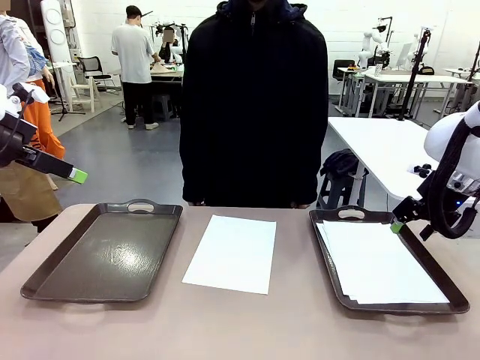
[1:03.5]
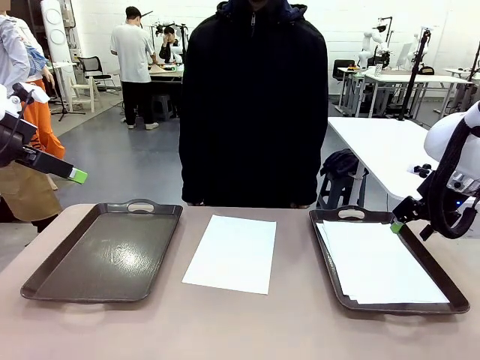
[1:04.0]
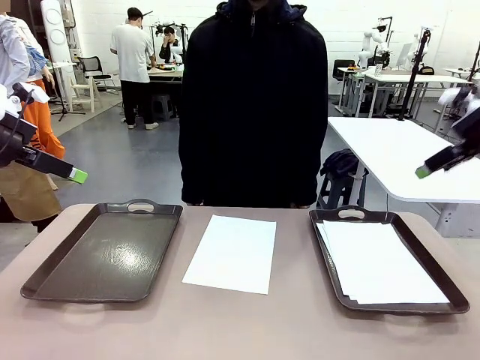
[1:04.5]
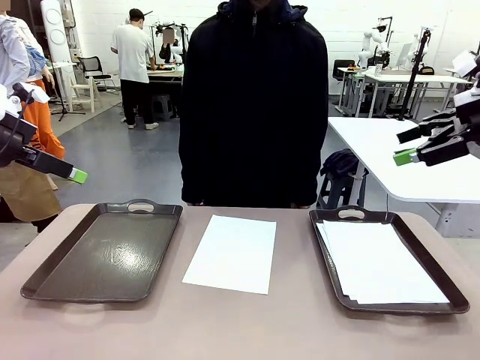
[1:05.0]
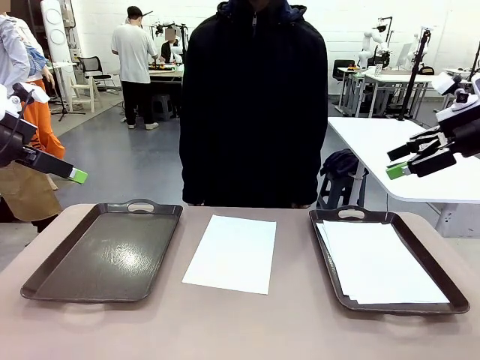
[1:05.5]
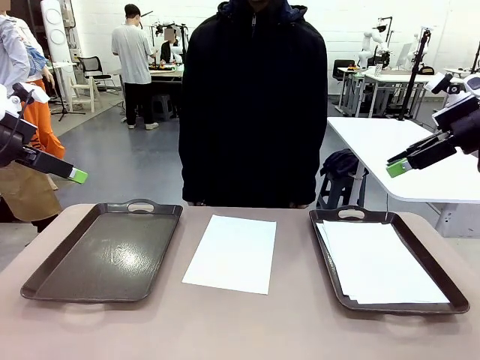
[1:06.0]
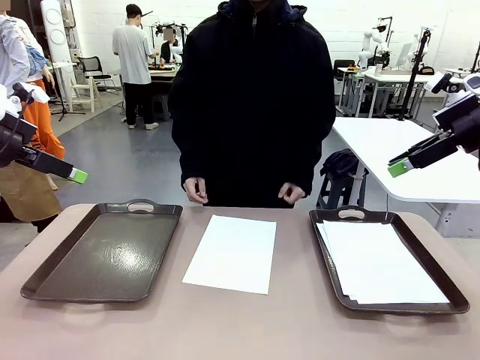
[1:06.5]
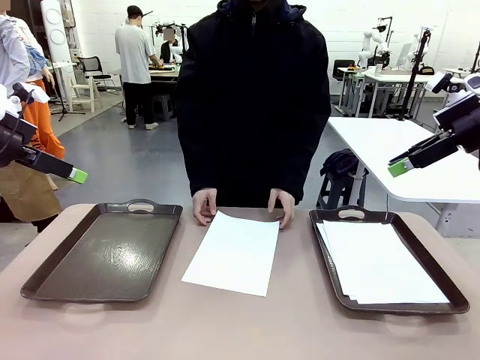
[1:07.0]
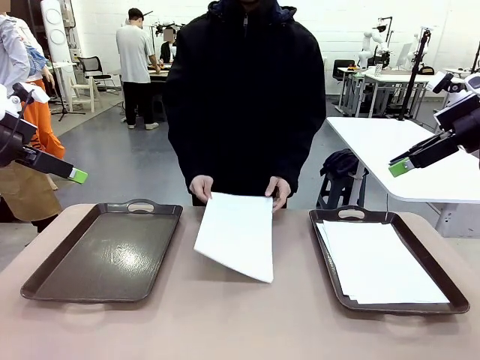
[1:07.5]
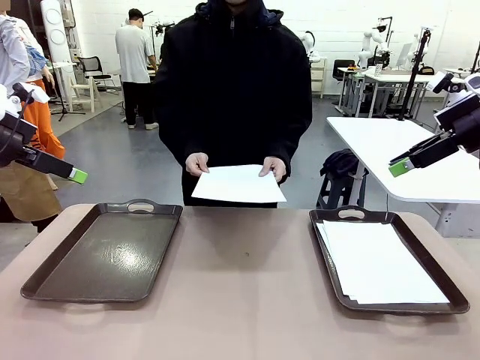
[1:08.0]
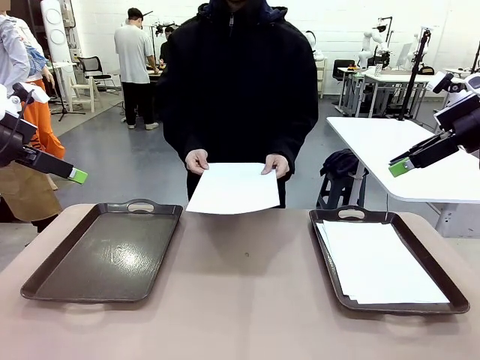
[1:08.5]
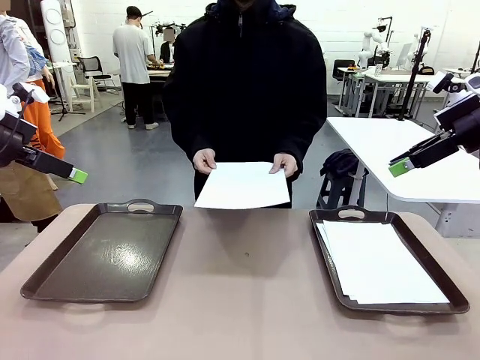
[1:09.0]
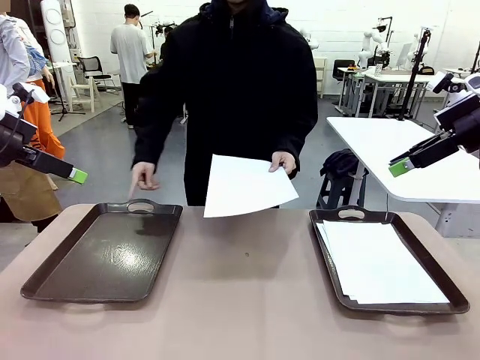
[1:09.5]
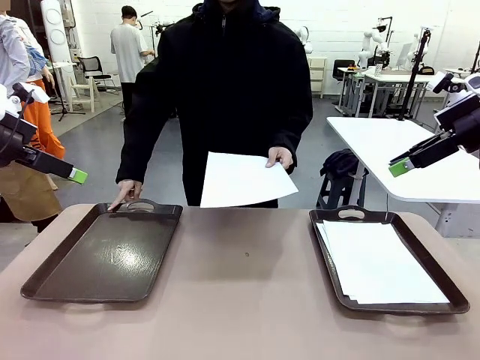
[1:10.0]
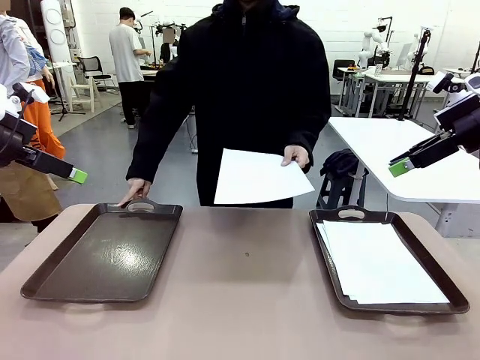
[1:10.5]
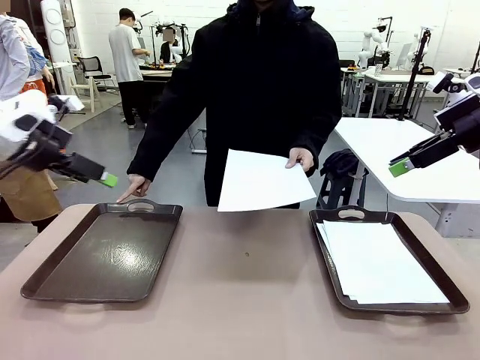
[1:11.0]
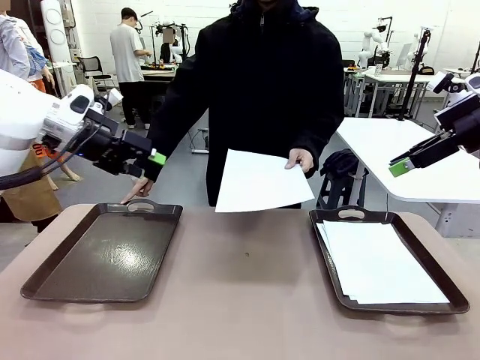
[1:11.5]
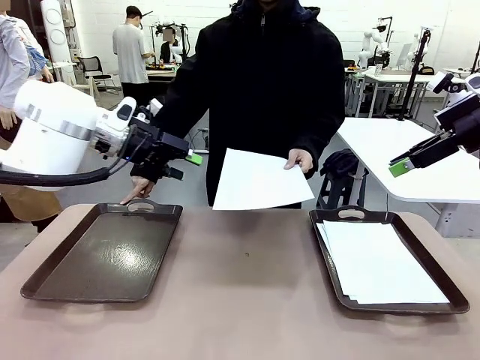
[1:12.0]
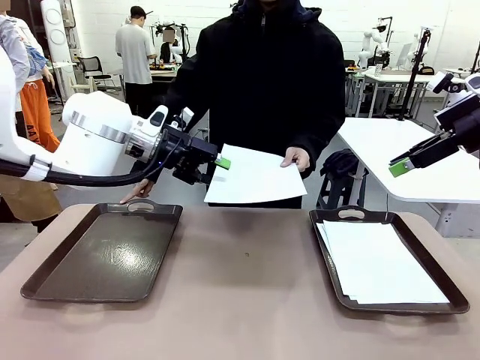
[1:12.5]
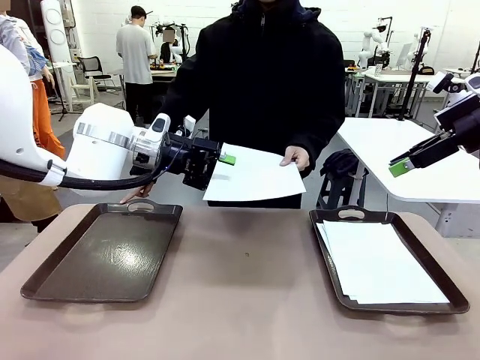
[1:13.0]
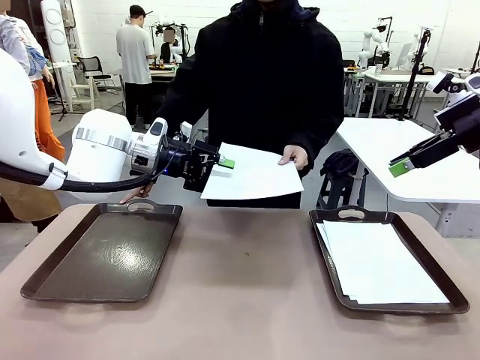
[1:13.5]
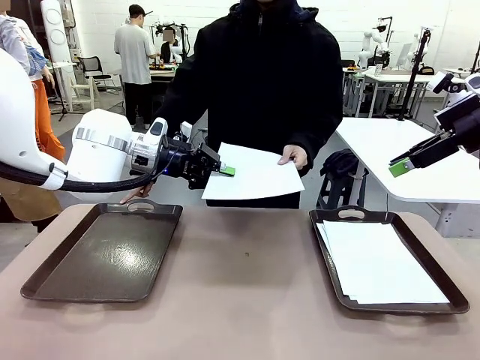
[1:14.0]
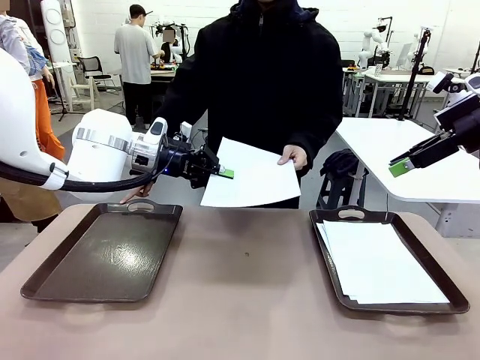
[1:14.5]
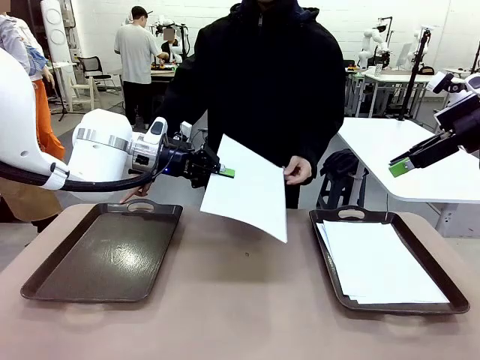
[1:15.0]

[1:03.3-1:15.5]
Task: Sort the A4 documents.
Robot: Receive the A4 Paper.
Person: Point the randomly selected tray with the other hand.

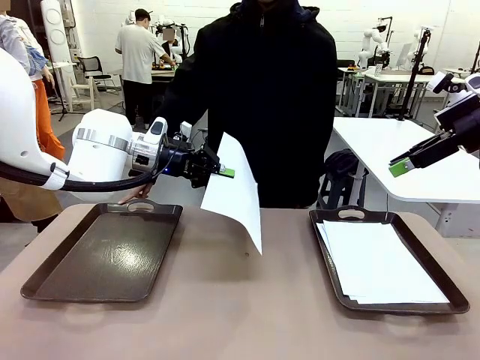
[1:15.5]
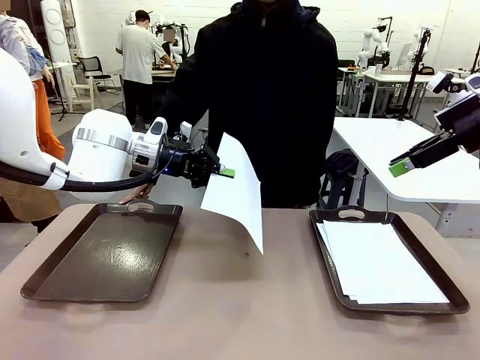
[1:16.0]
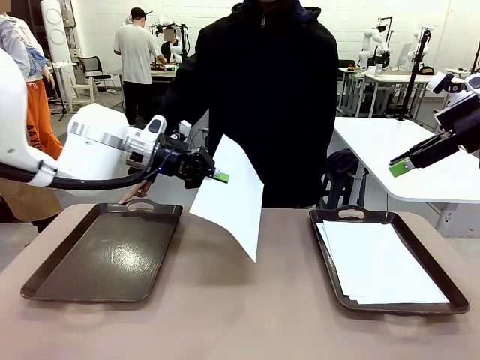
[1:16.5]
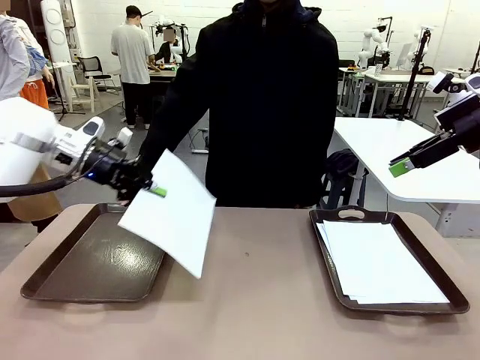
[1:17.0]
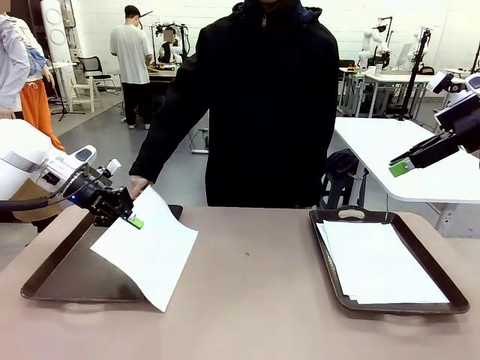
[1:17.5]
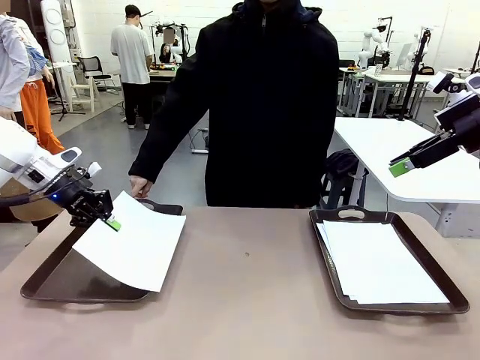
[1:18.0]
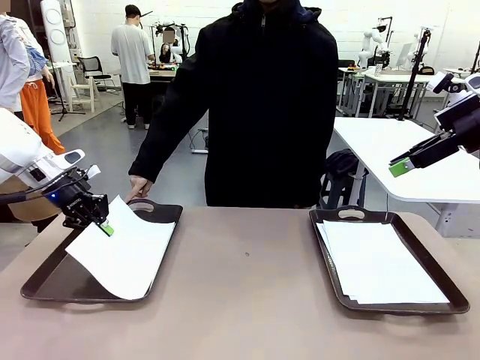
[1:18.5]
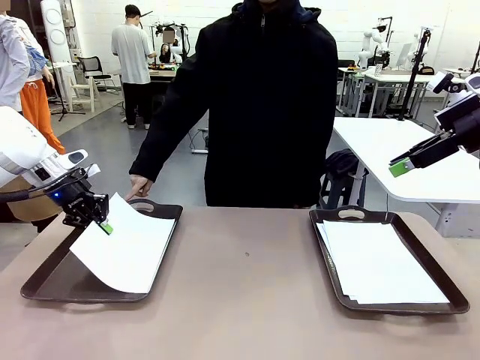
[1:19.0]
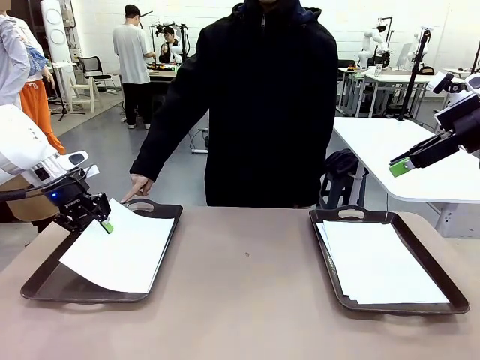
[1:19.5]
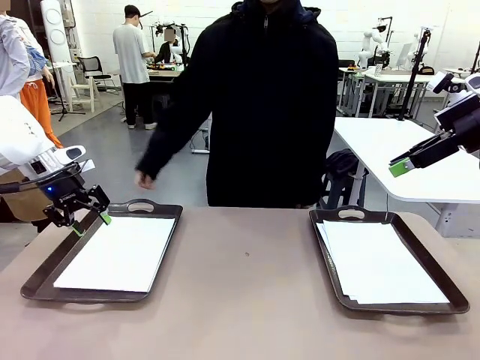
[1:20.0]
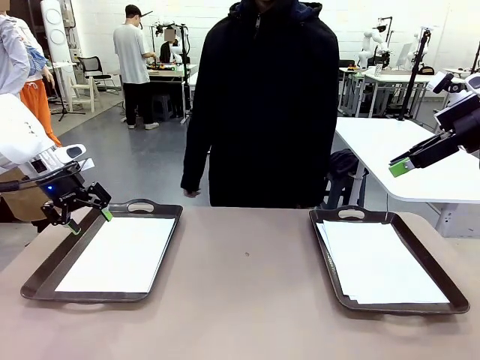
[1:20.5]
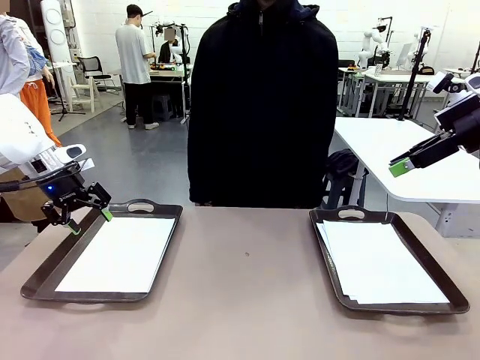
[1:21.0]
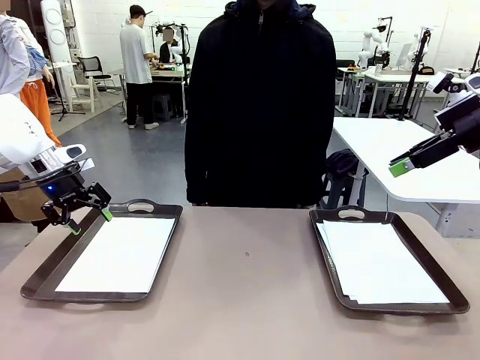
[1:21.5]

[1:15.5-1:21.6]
Robot: Place the A4 Paper in the designated Handle tray.

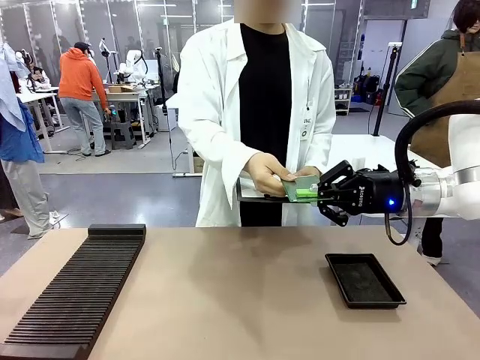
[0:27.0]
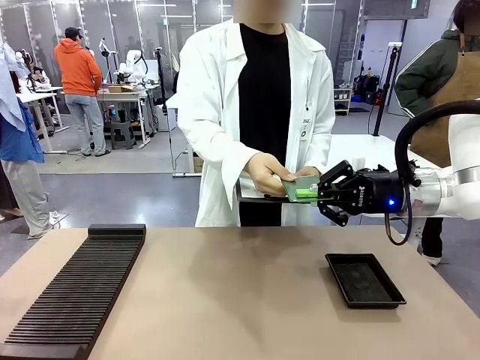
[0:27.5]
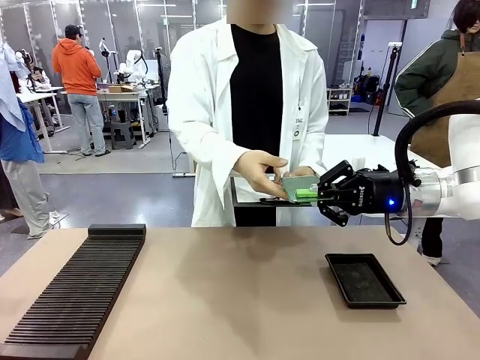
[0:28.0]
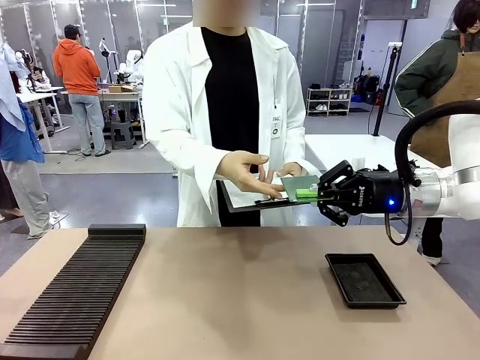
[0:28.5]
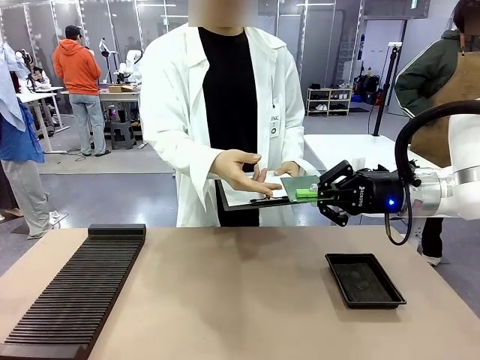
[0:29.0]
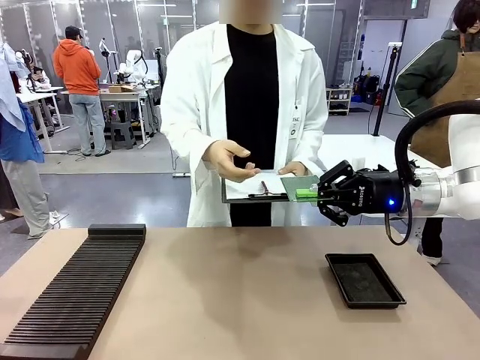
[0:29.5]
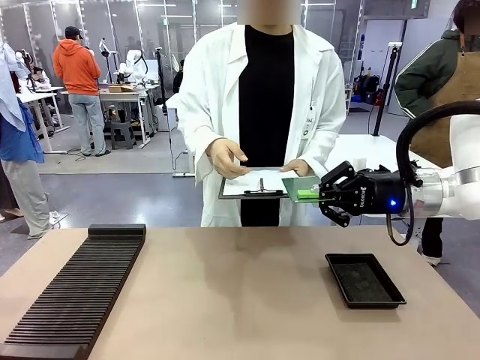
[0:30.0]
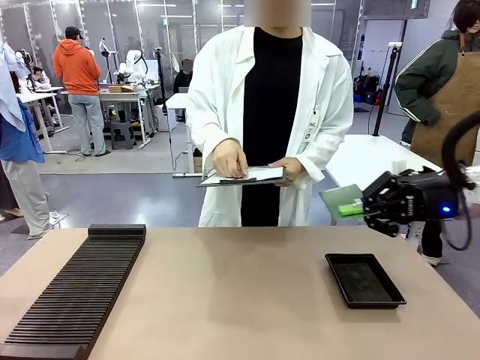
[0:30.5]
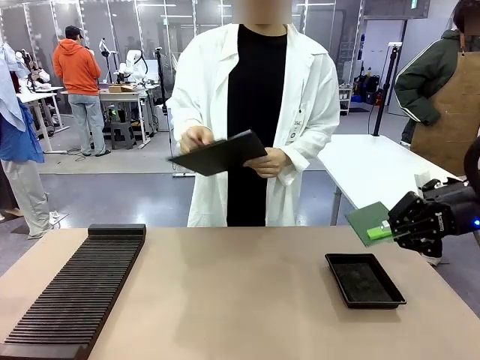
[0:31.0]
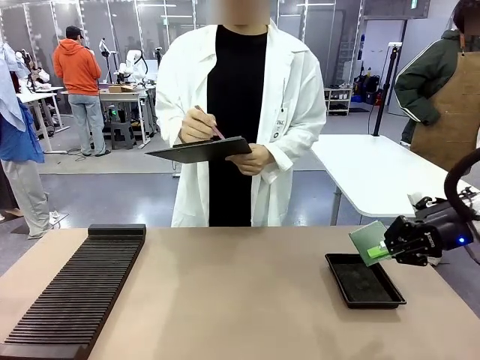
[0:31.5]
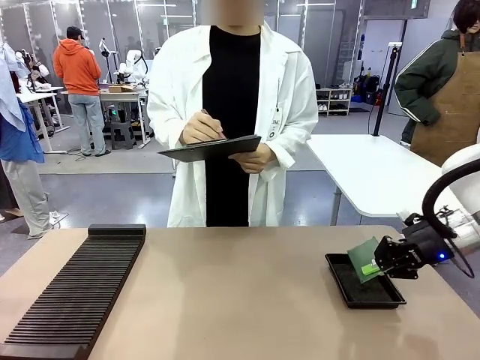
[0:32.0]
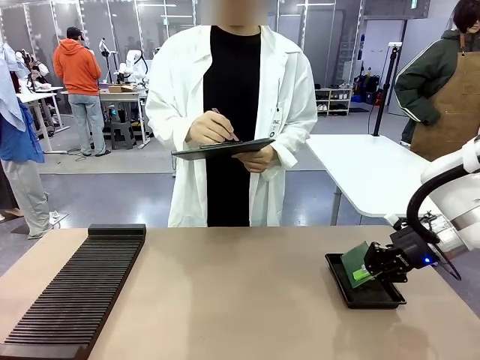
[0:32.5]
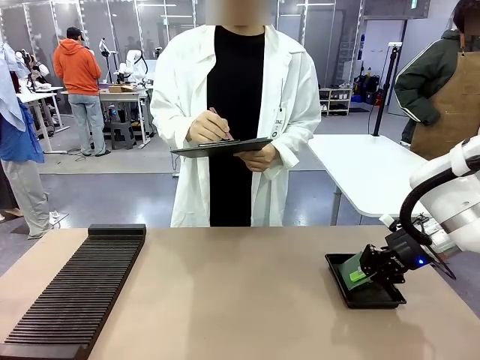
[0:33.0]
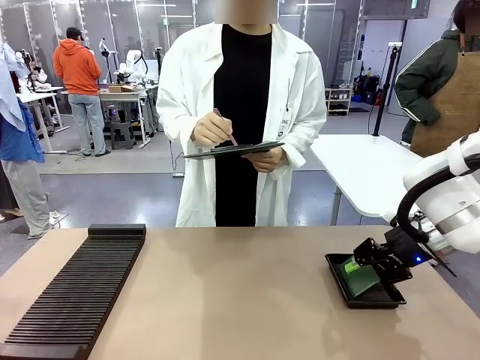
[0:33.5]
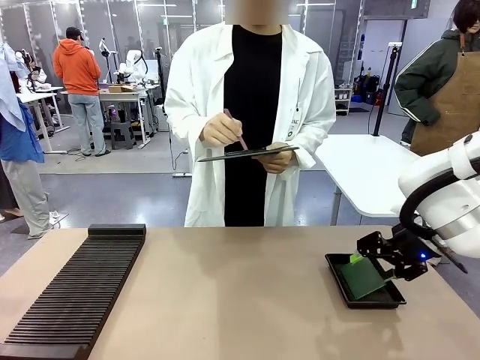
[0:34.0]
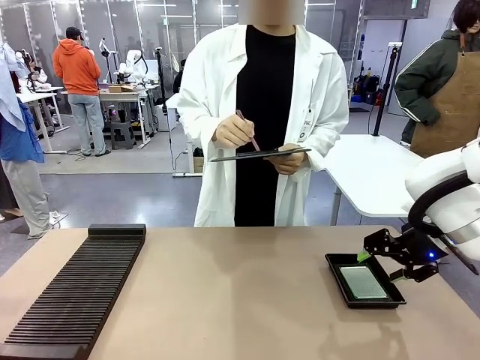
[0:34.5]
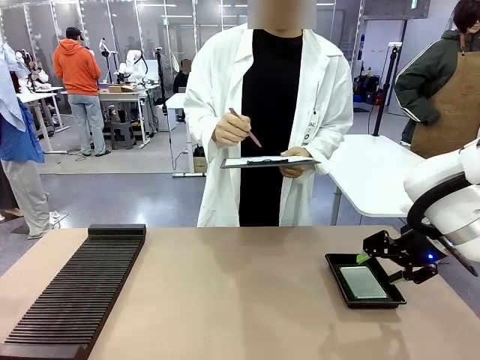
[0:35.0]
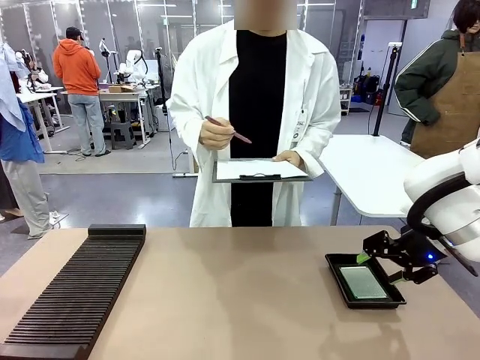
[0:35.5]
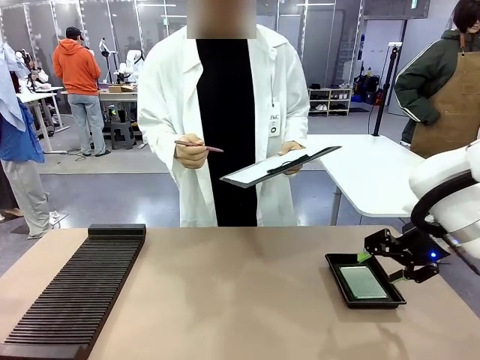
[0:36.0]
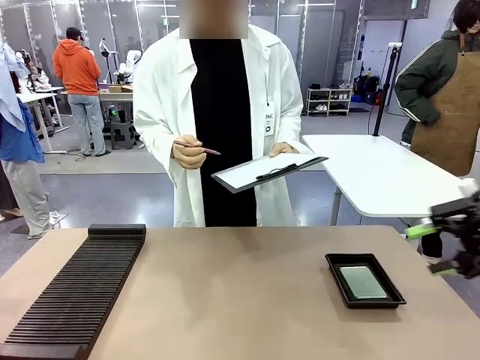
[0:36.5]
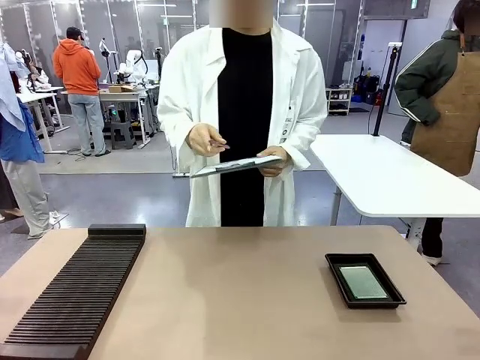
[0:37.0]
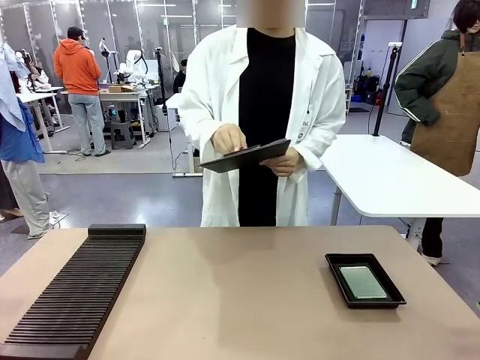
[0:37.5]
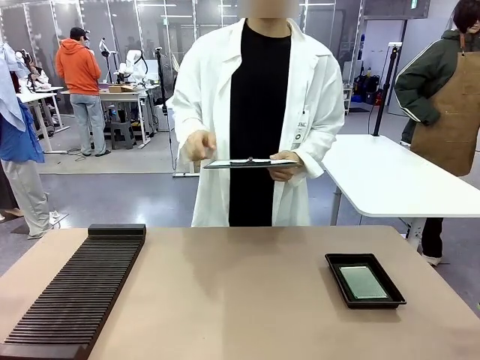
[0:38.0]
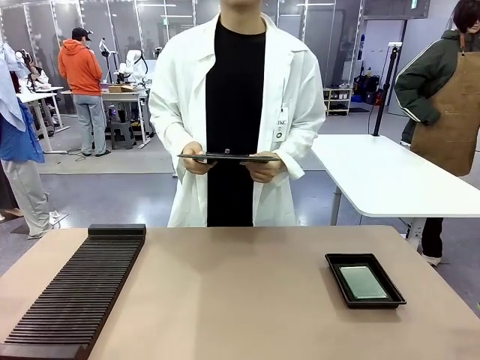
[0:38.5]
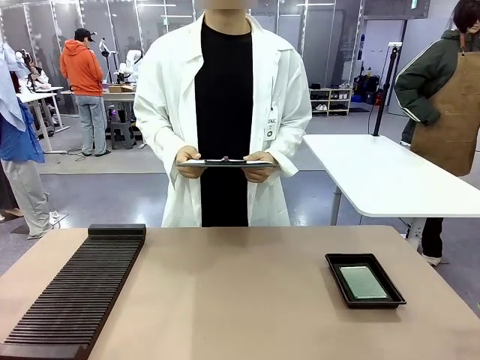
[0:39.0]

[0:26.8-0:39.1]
Task: Inspect the PCB.
Robot: Place the Blank PCB in the ESD tray.
Person: Record the PCB status on the paper.
